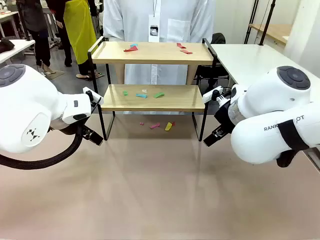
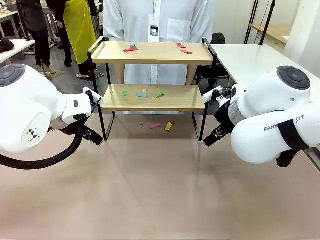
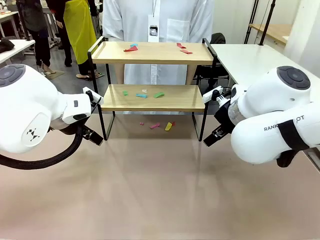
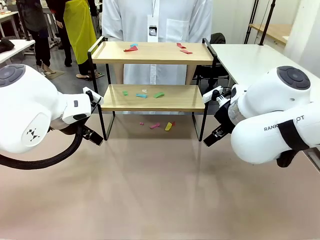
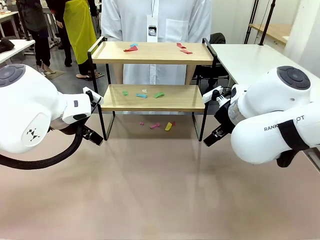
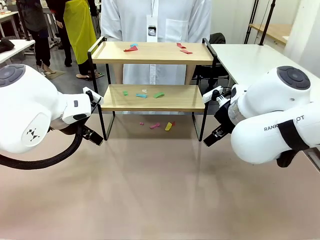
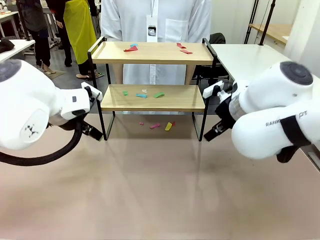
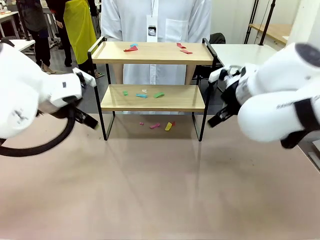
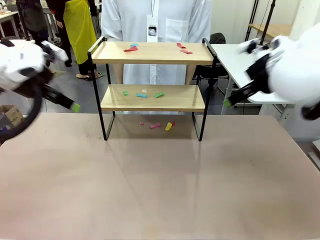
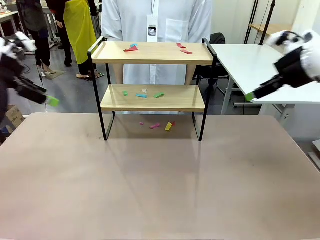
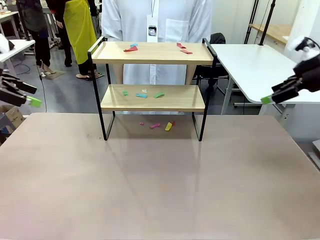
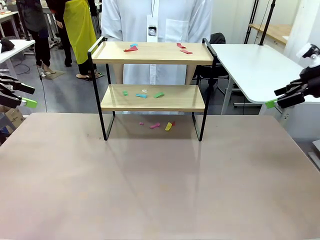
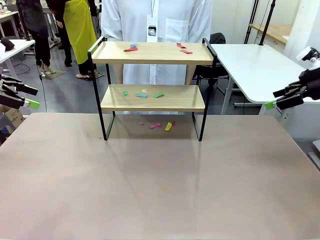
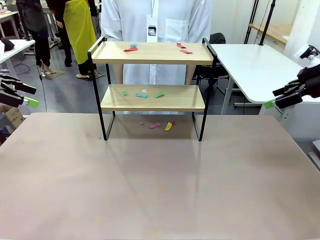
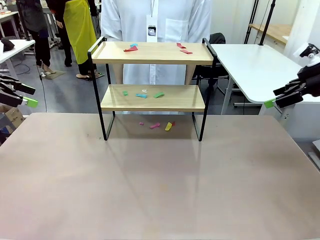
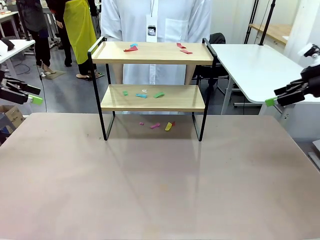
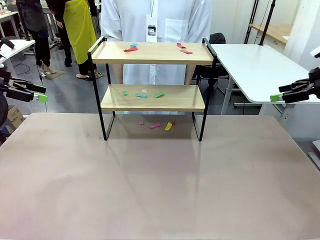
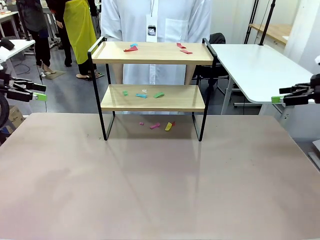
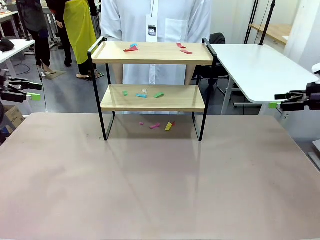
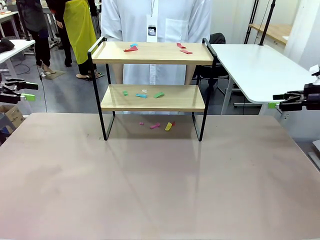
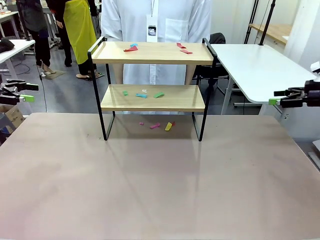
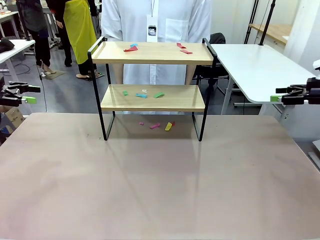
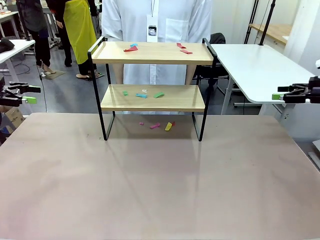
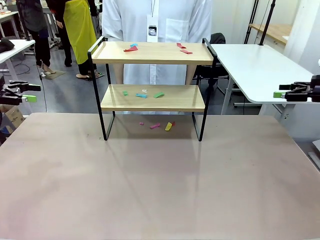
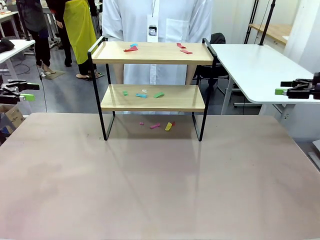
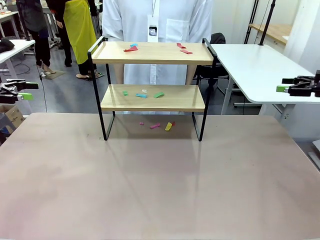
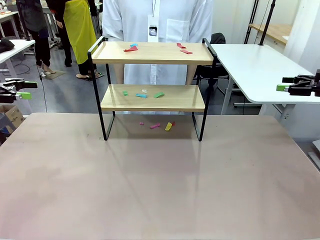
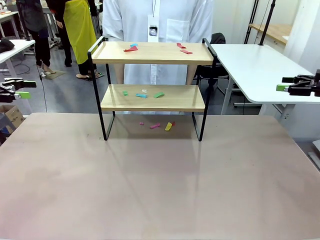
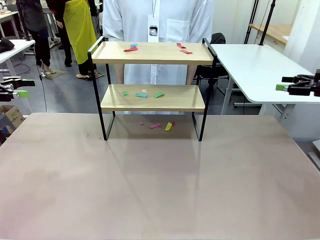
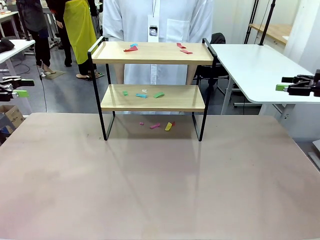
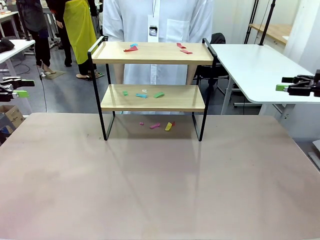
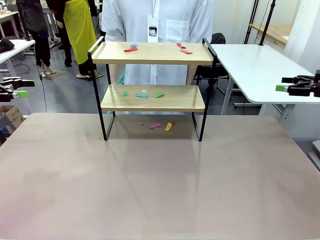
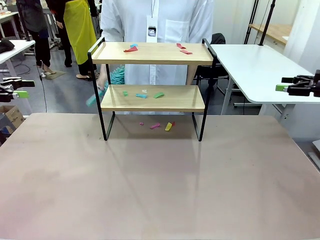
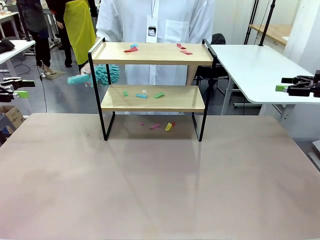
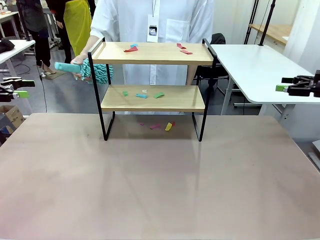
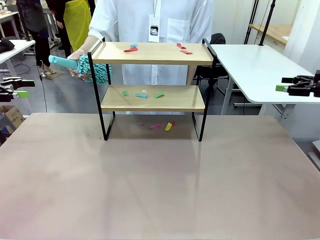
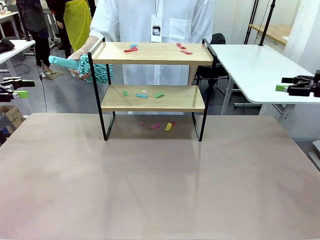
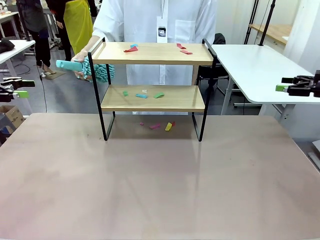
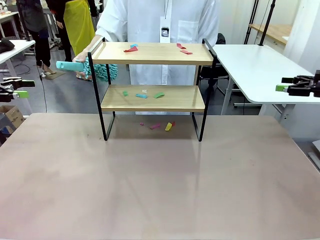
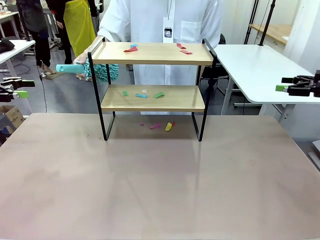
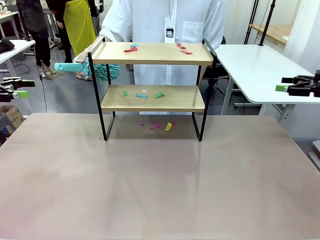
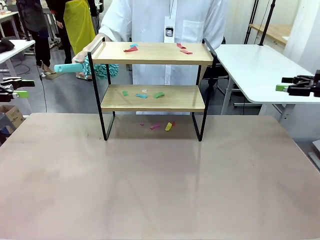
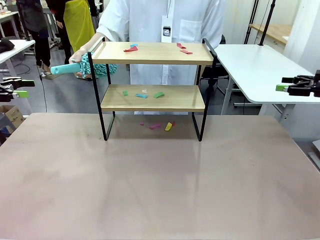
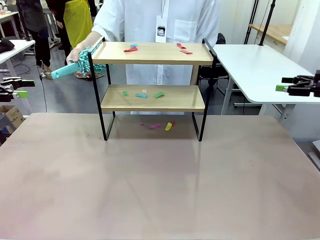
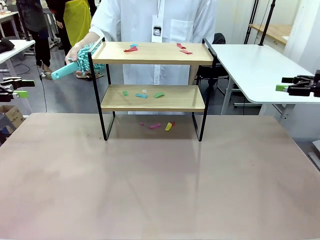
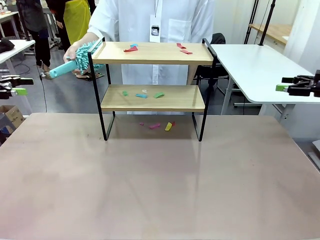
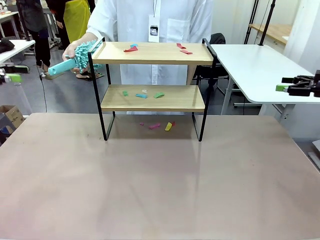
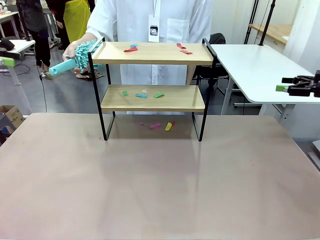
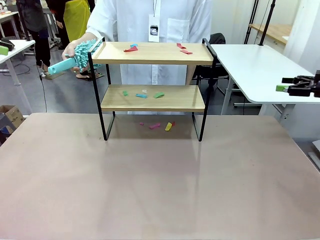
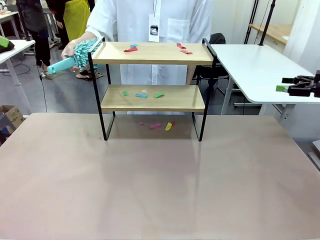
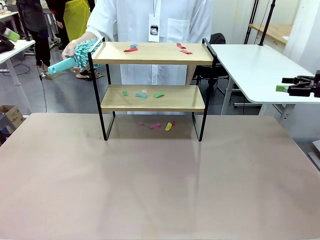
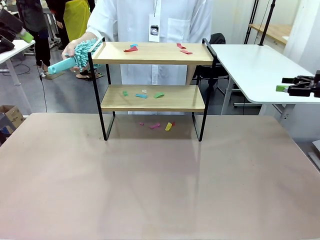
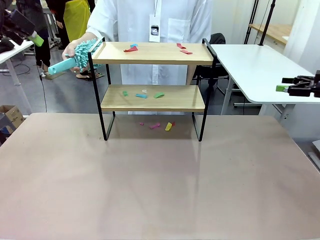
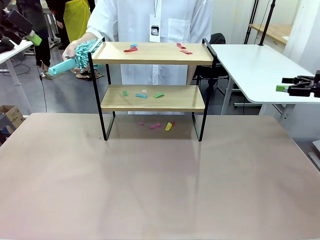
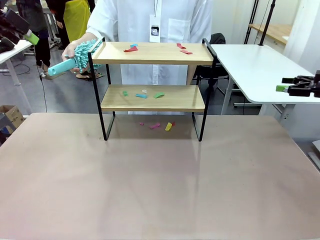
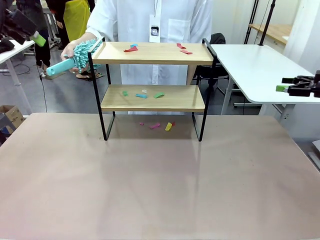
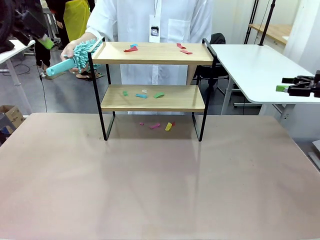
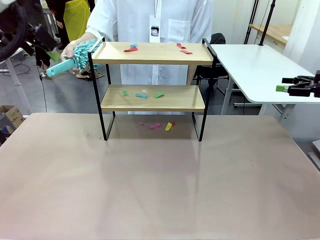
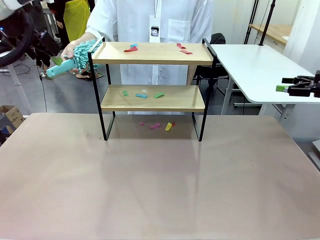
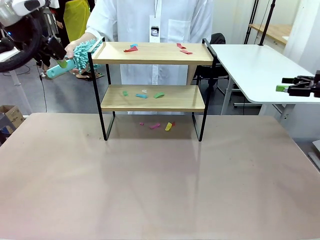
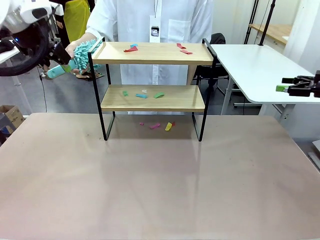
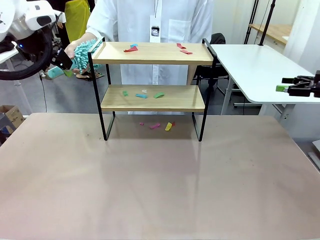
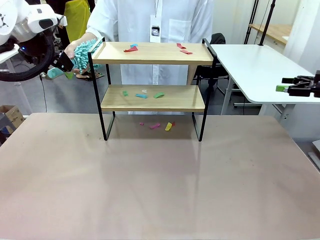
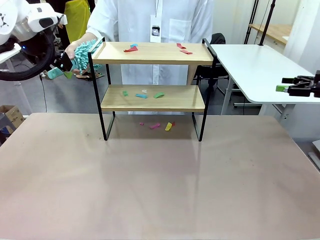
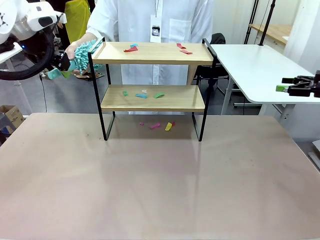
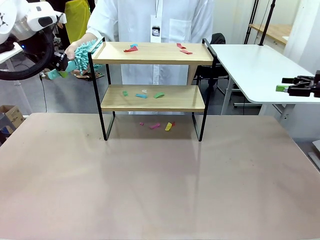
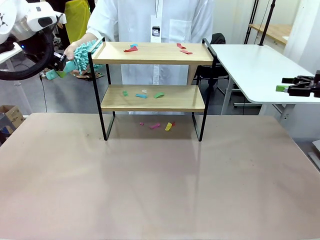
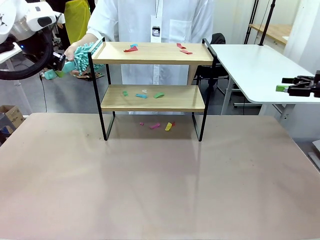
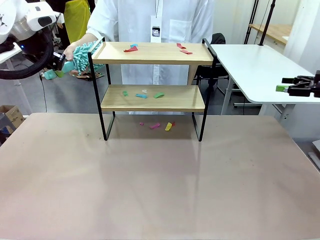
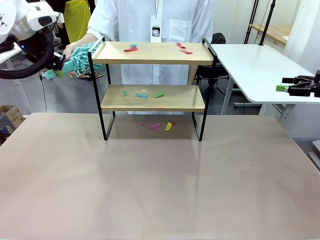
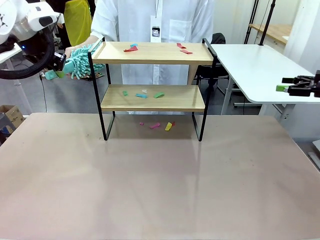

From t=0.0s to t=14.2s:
Task: Clean the shelf.
Robot: Pick up the Duster handed by the human.
Person: Hand the Duster to the robot.
